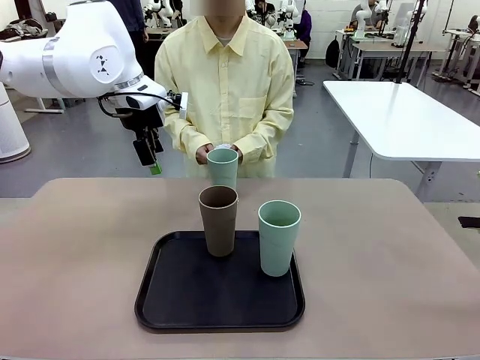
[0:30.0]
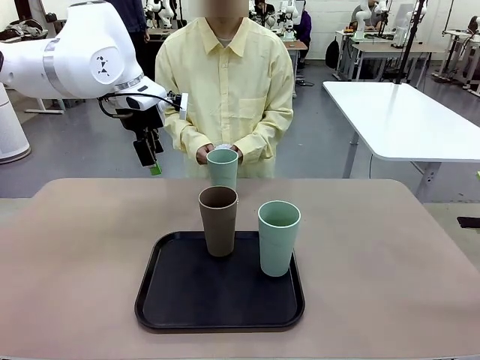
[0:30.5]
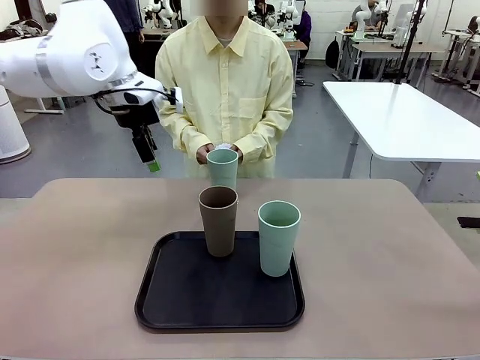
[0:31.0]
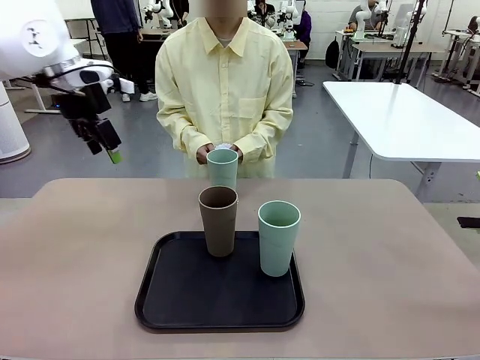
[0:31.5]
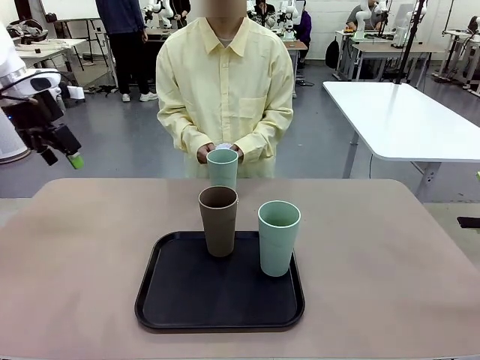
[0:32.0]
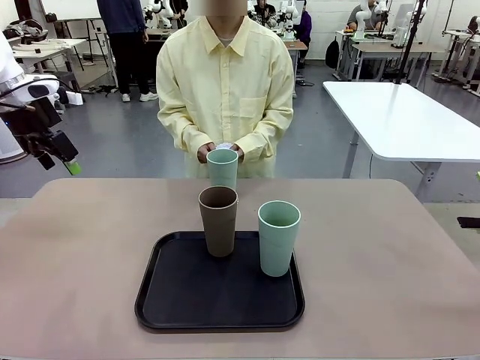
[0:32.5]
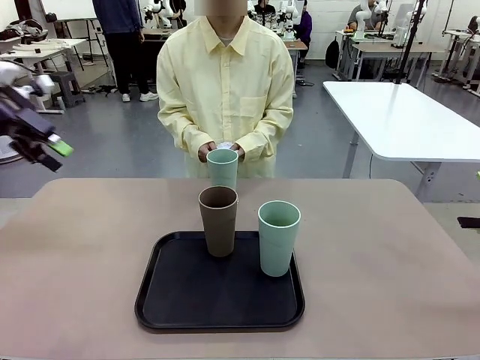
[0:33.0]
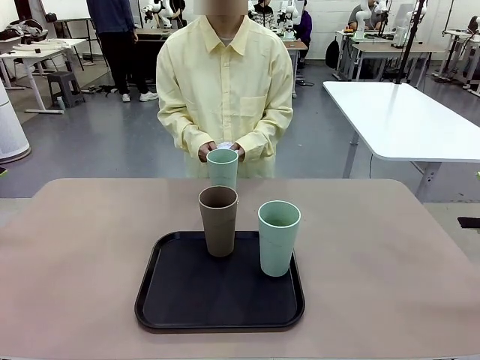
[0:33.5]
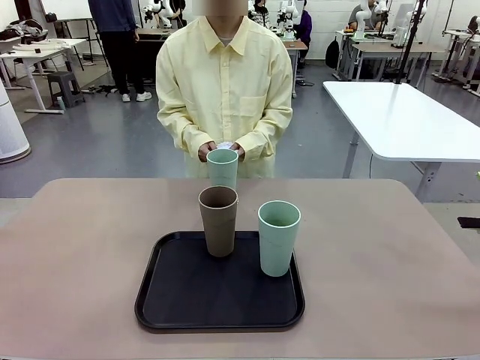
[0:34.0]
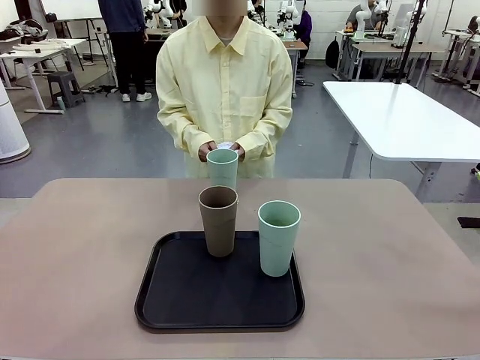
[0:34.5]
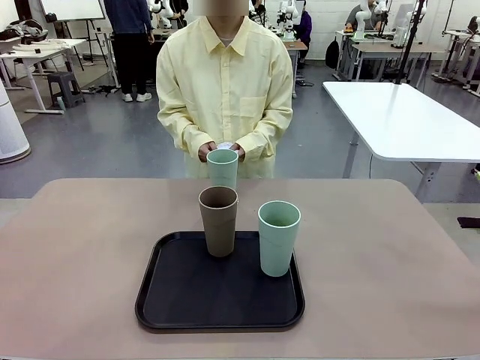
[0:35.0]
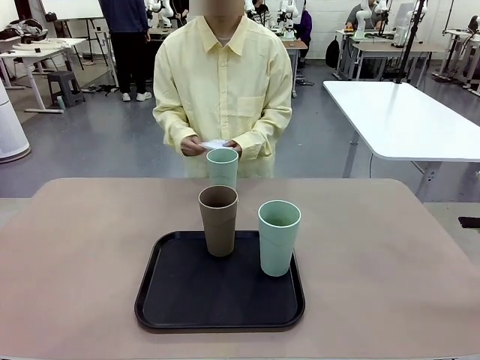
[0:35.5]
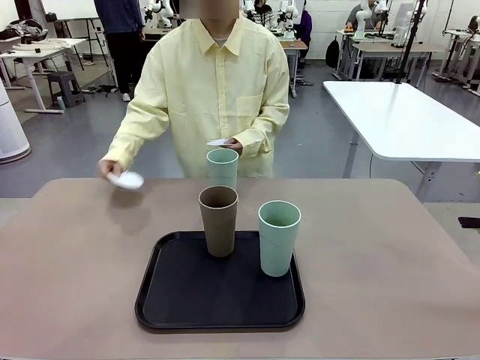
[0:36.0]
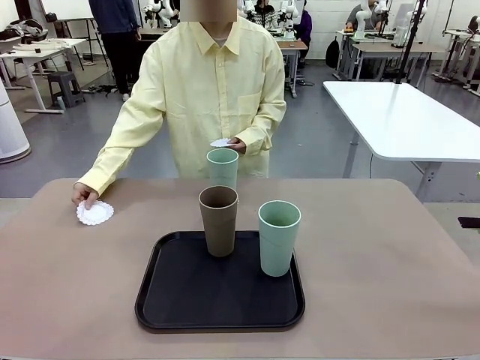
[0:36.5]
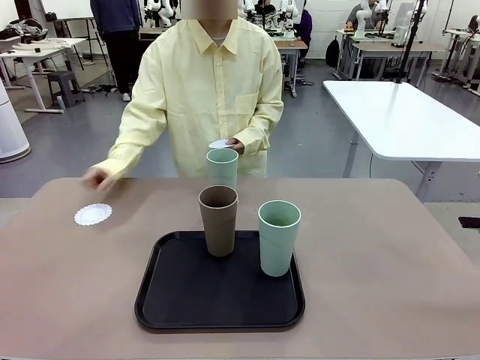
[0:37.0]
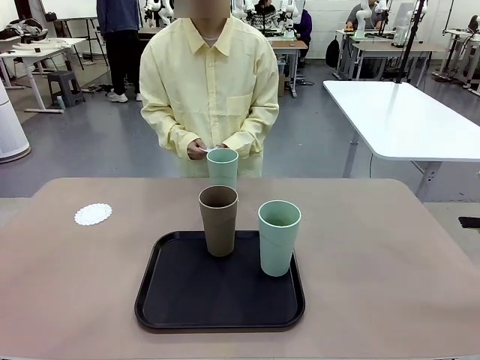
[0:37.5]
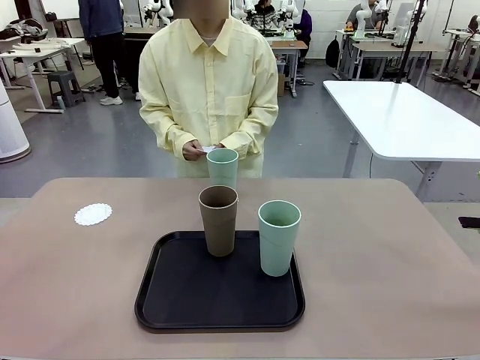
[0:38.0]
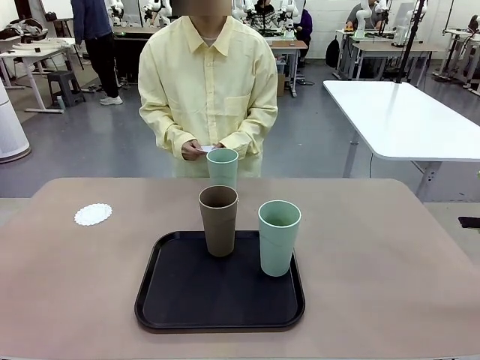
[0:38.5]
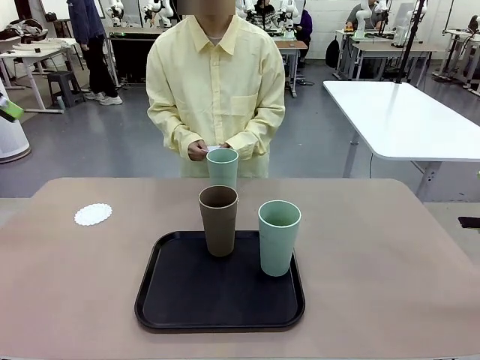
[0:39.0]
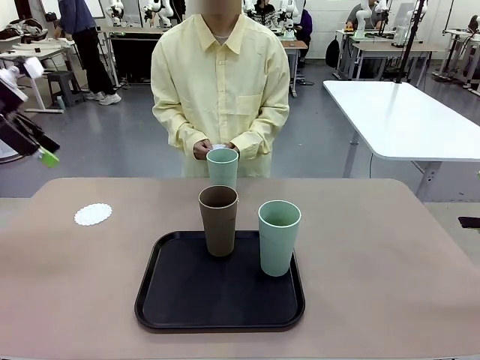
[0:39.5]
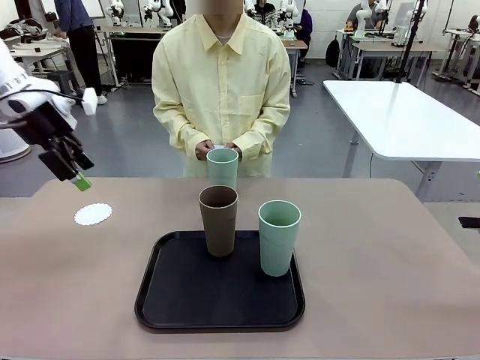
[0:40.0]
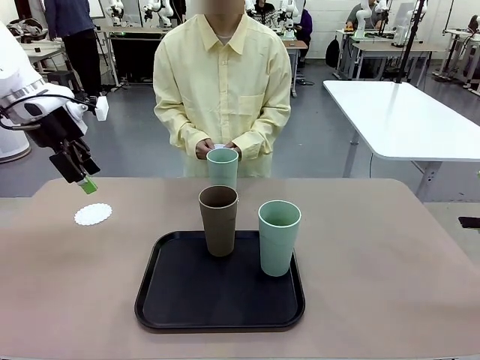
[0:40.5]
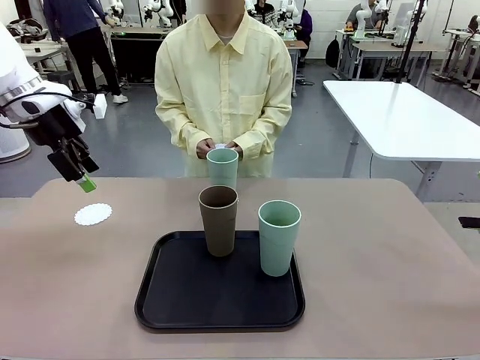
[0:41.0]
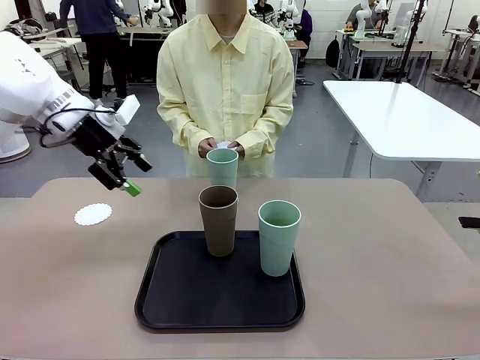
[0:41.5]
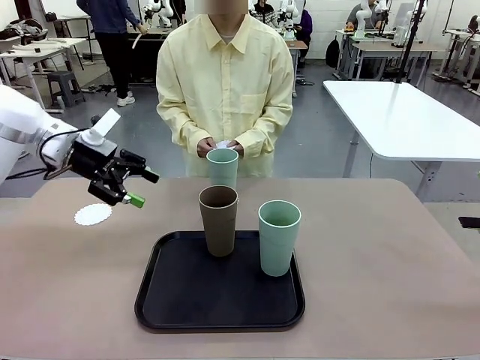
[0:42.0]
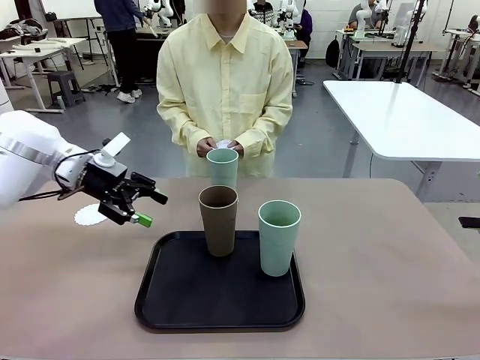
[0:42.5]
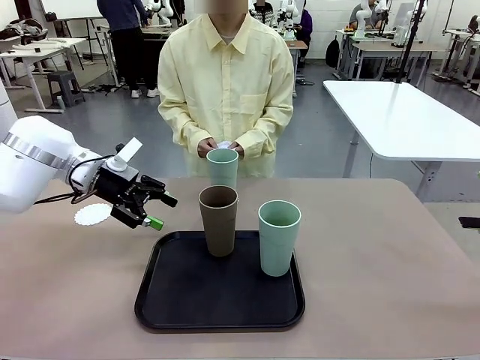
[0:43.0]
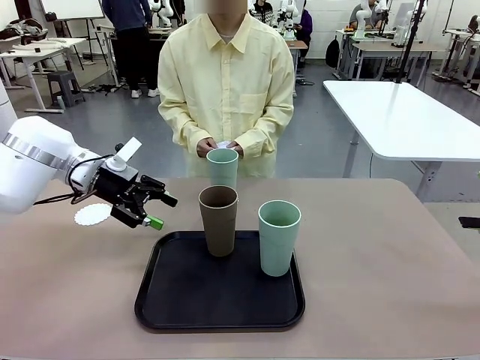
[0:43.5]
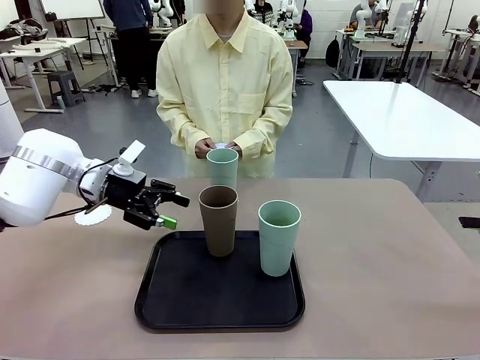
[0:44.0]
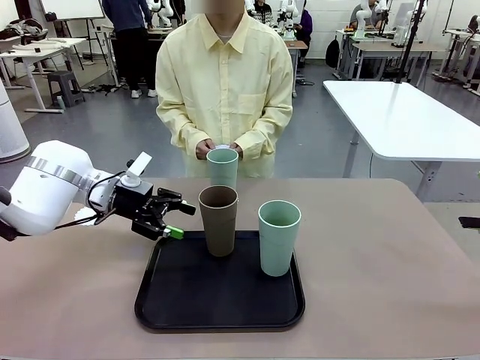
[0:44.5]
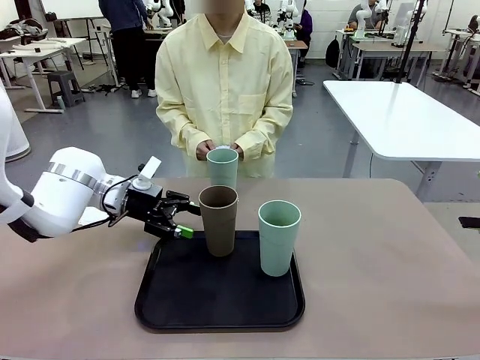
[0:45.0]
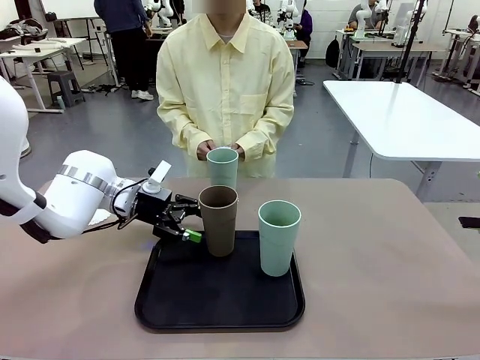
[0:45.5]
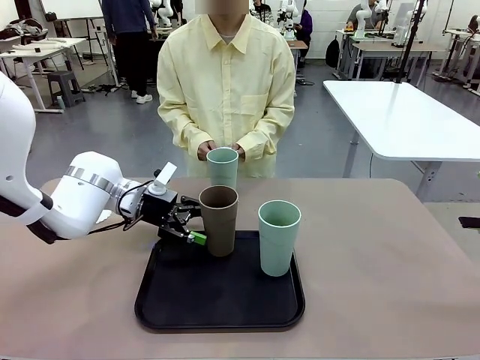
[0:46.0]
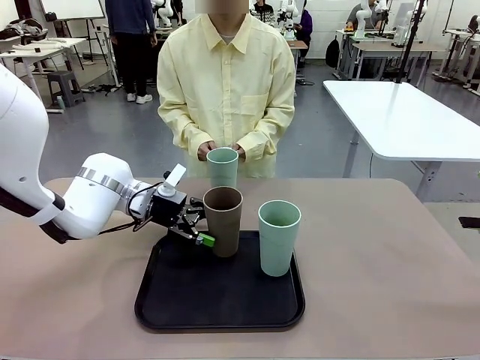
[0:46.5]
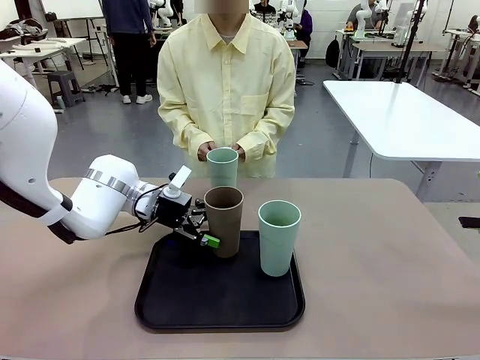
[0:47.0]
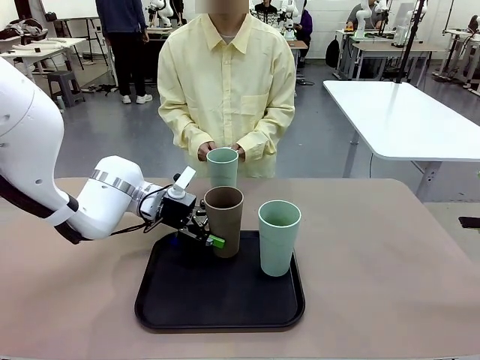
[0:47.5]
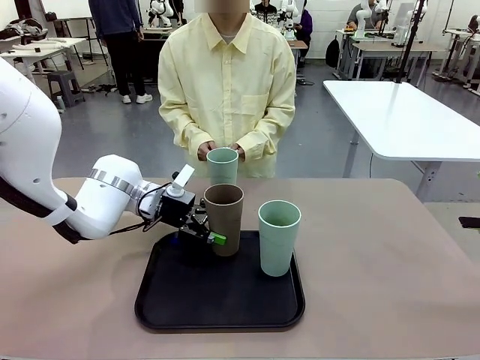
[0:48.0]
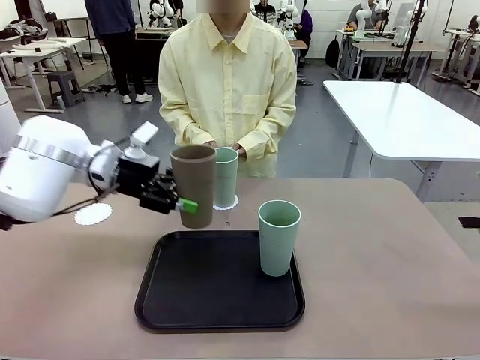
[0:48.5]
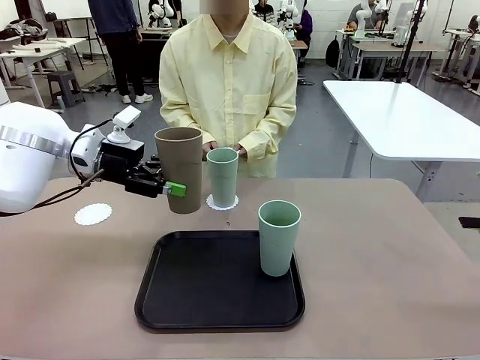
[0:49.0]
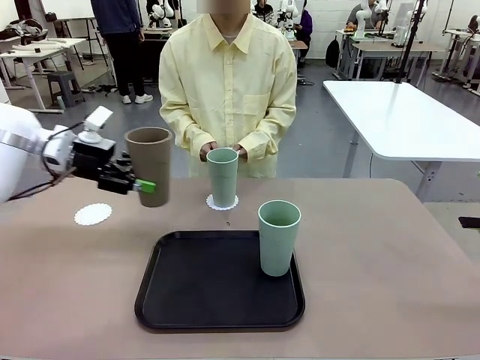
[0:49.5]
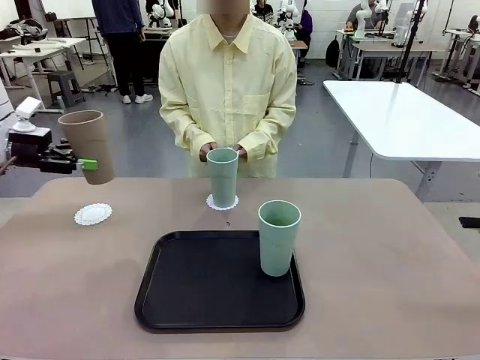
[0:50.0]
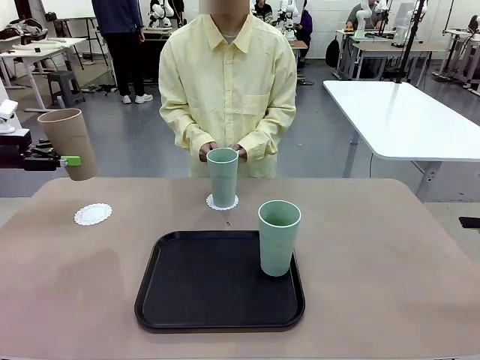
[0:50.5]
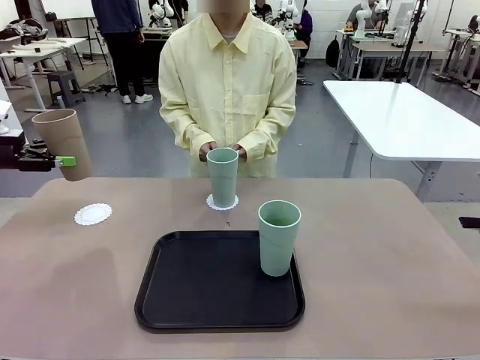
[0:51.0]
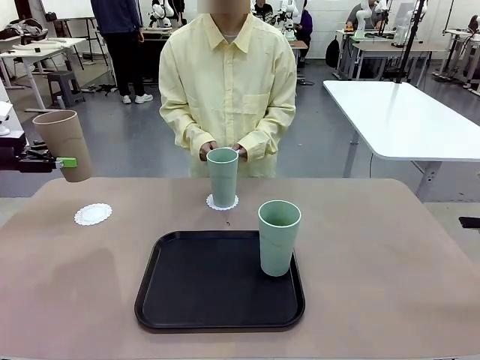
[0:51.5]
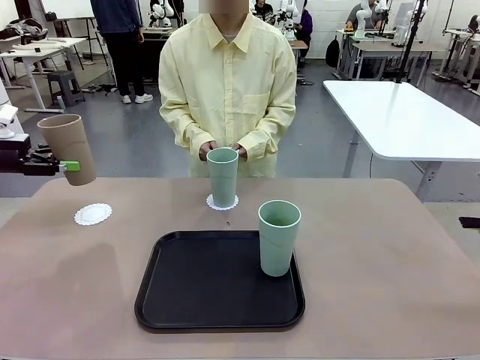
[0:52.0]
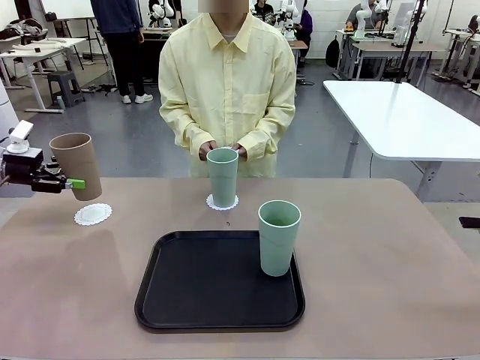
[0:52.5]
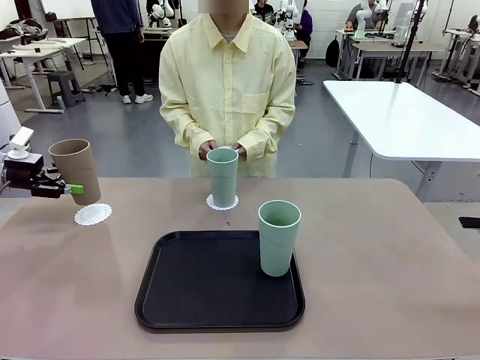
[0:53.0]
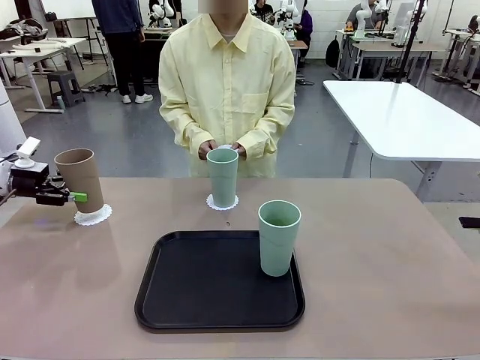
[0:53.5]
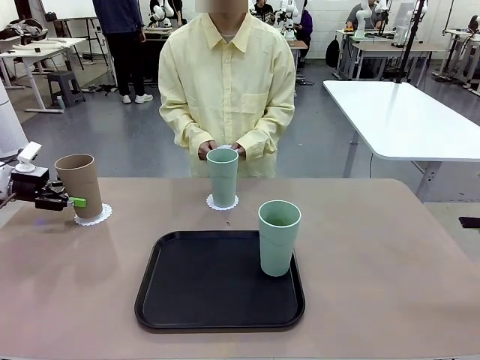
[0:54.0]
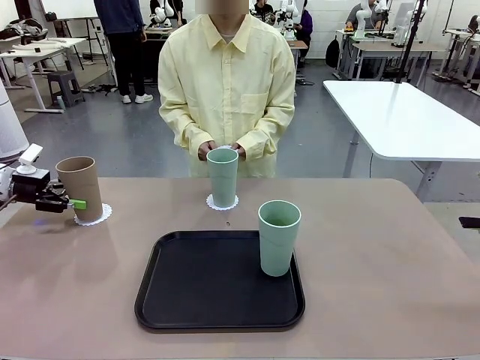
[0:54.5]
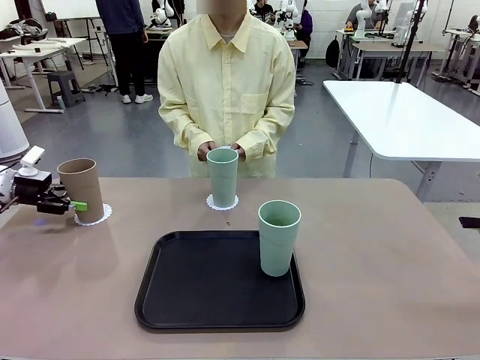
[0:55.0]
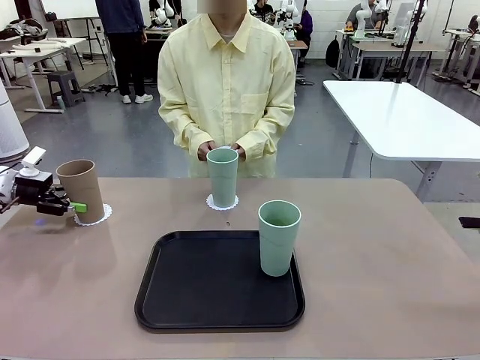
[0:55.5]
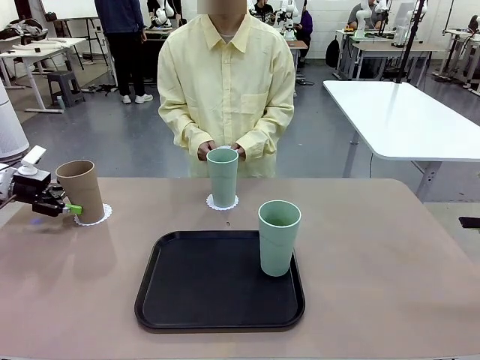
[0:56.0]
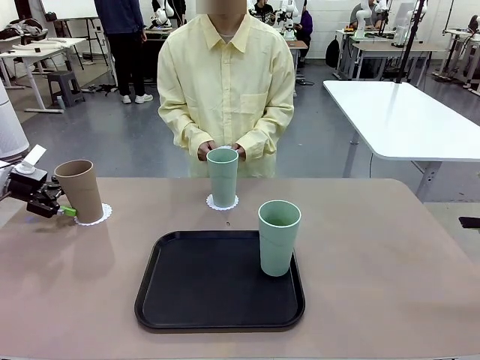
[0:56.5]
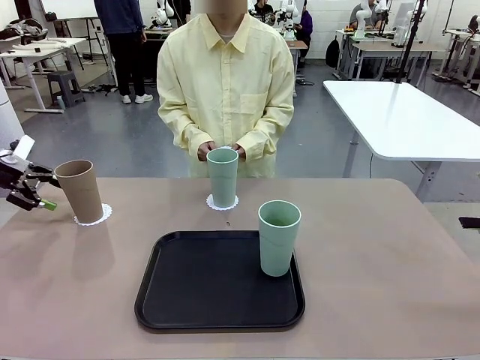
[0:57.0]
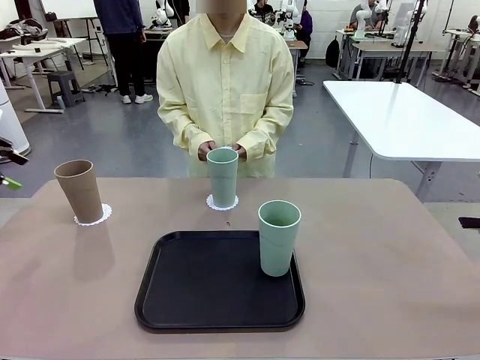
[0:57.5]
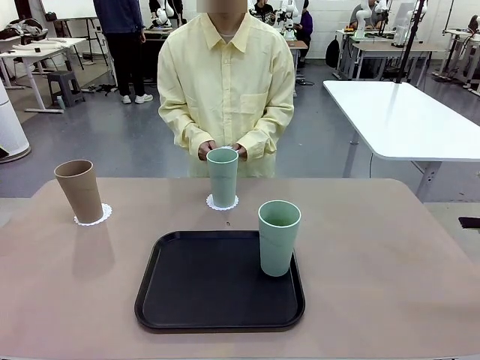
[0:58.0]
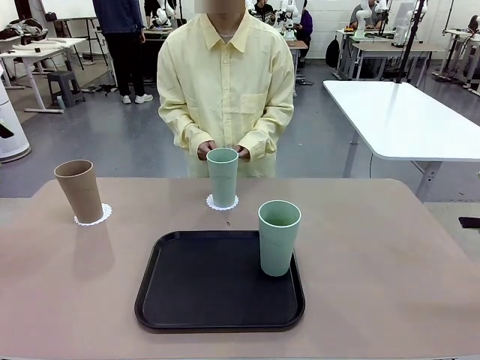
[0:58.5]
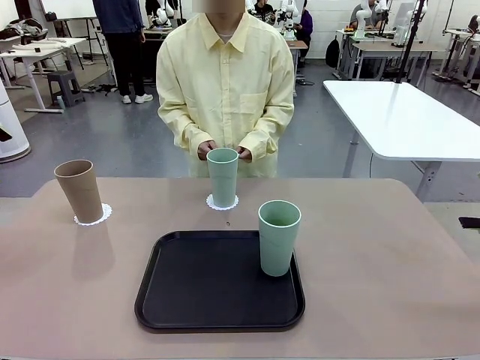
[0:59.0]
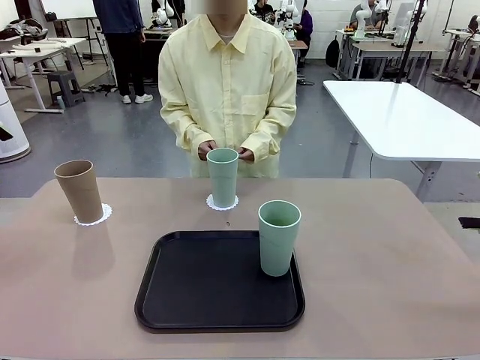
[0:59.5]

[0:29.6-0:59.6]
Task: Place coasters on the table and set cups on them.
Robot: Take one Reusable plastic cup from the Flat Tray and place it on a coaster set by the human.
